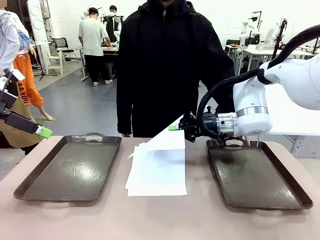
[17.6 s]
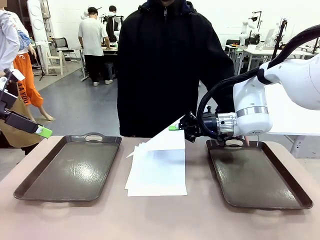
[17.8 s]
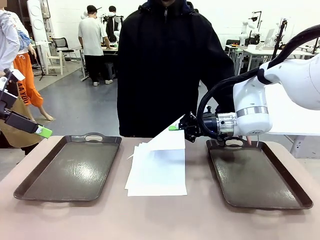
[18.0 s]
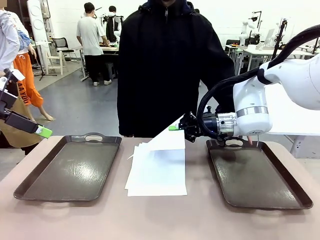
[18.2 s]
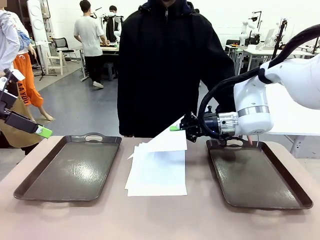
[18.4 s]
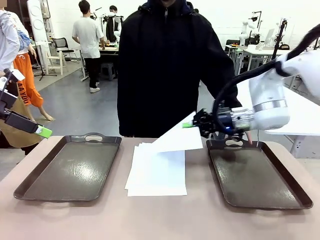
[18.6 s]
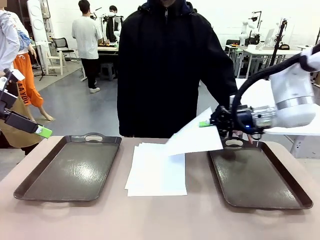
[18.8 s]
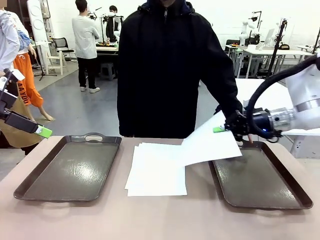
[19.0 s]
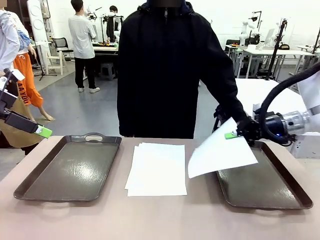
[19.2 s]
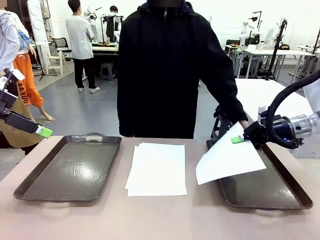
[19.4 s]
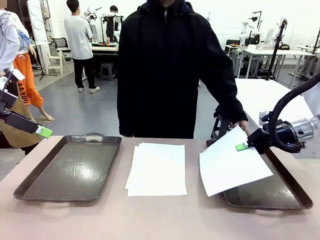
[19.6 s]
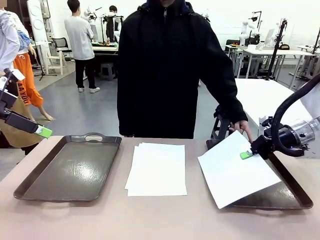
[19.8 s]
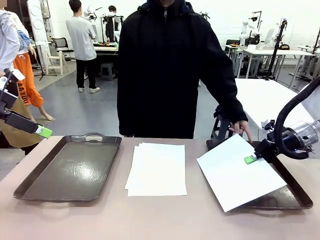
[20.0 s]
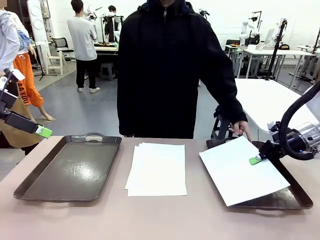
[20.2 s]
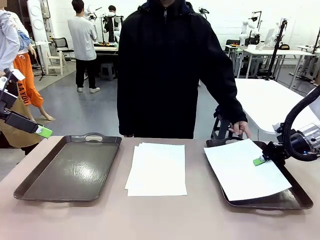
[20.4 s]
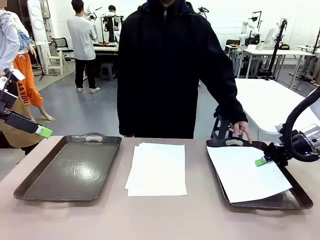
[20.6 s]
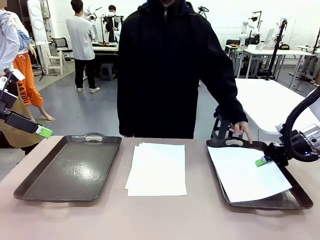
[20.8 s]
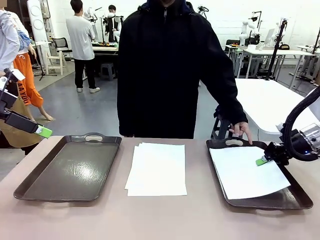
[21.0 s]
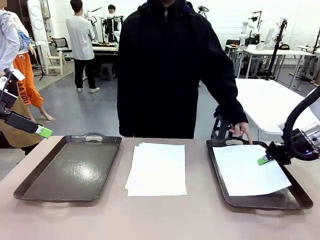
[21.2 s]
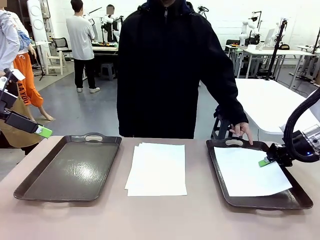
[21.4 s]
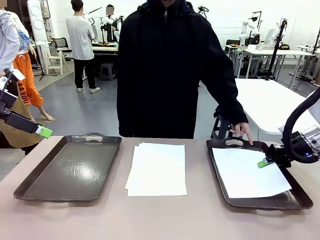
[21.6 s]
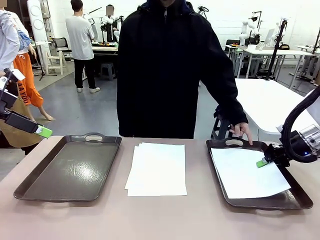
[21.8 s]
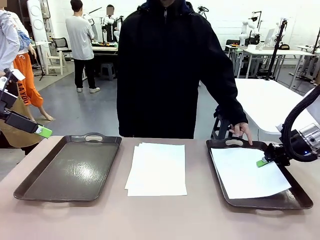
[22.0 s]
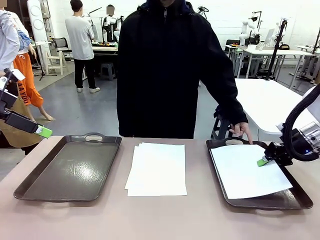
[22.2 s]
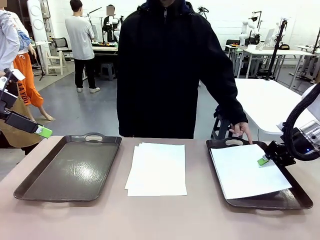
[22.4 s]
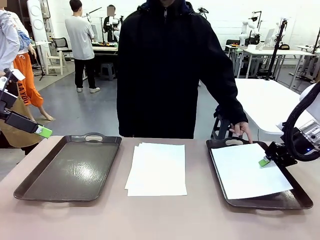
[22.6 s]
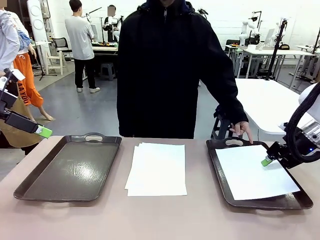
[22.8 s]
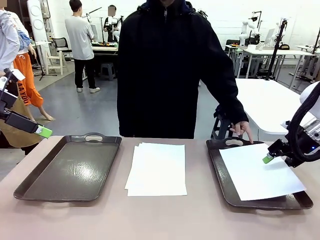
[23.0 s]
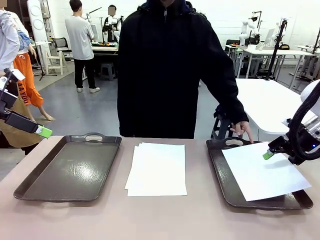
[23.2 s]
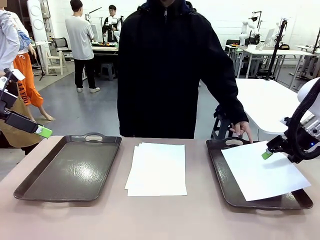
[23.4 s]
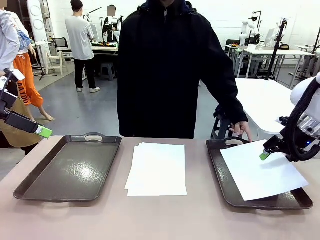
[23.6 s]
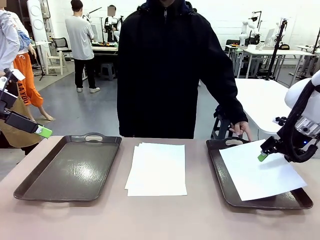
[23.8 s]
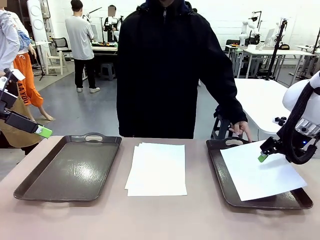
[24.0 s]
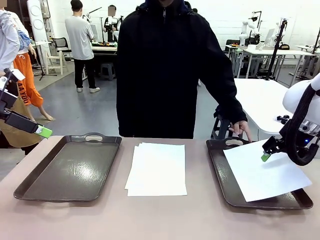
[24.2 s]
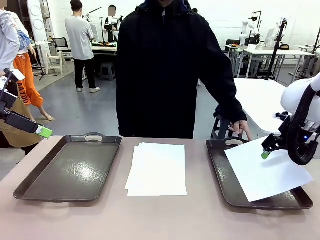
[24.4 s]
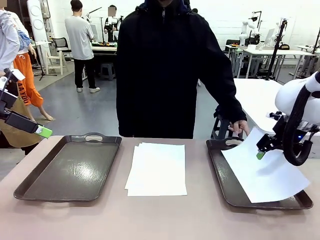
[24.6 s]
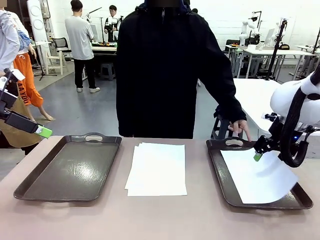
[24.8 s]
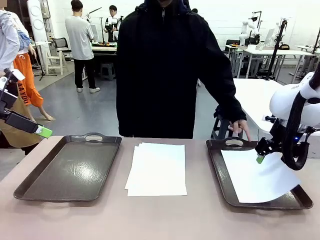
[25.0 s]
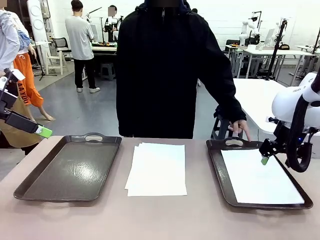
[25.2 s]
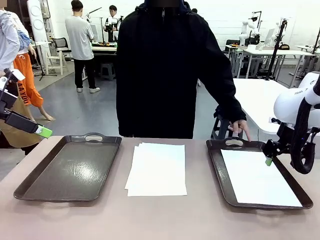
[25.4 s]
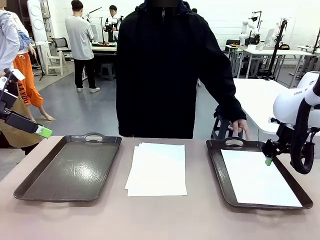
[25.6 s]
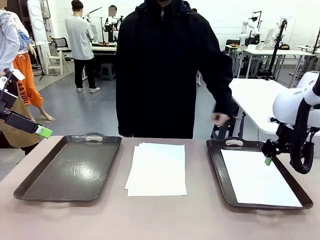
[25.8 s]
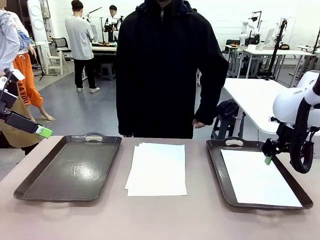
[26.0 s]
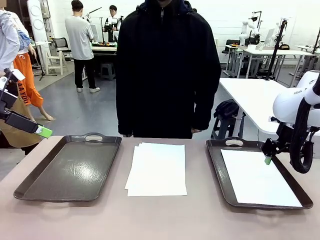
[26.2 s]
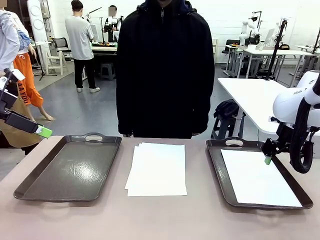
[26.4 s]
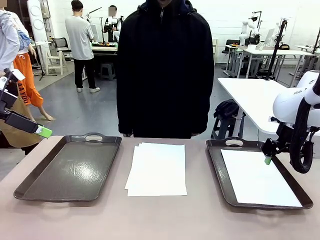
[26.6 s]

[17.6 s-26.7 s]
Task: Sort the A4 documents.
Robot: Place the A4 Paper in the designated Handle tray.

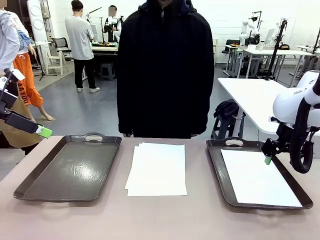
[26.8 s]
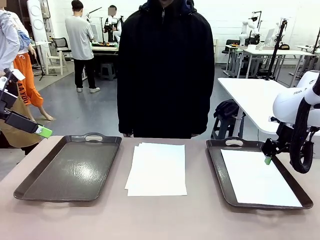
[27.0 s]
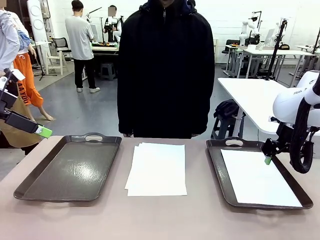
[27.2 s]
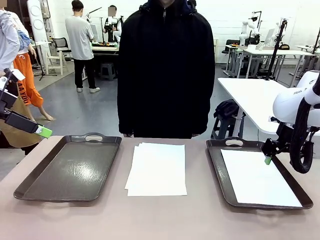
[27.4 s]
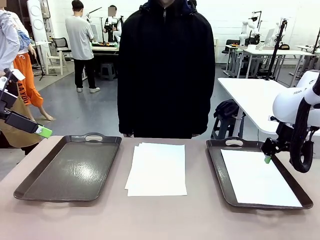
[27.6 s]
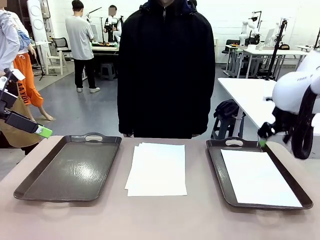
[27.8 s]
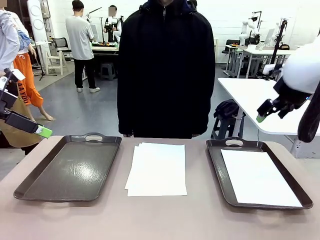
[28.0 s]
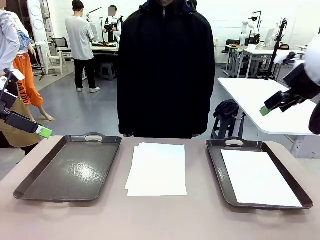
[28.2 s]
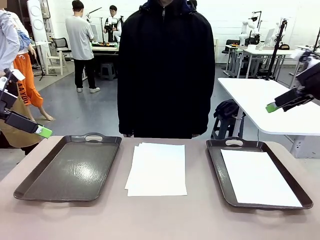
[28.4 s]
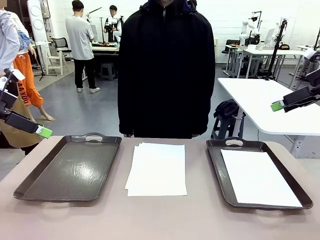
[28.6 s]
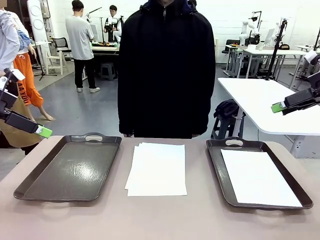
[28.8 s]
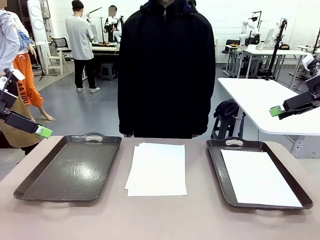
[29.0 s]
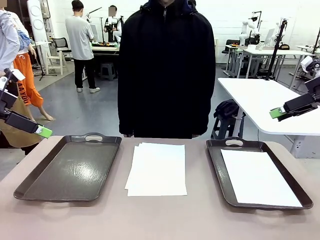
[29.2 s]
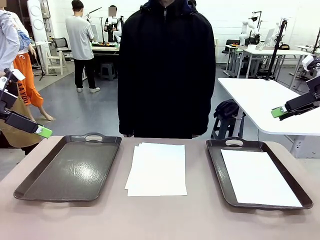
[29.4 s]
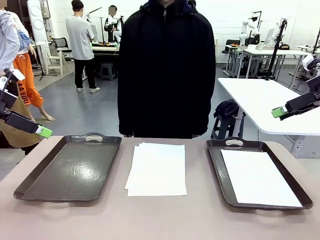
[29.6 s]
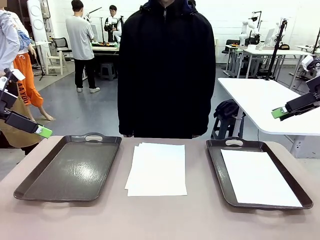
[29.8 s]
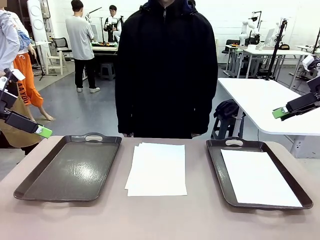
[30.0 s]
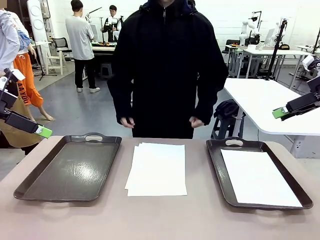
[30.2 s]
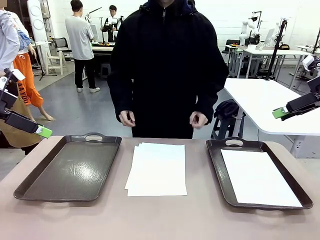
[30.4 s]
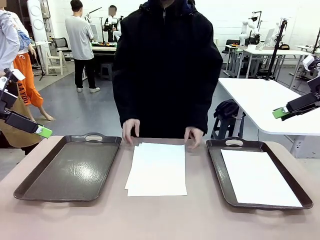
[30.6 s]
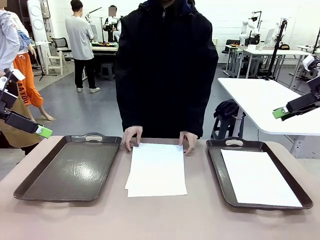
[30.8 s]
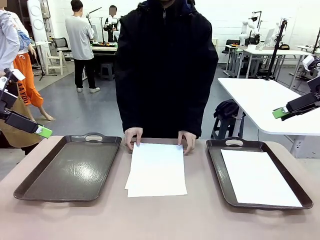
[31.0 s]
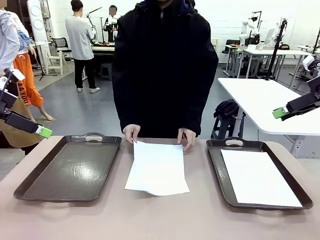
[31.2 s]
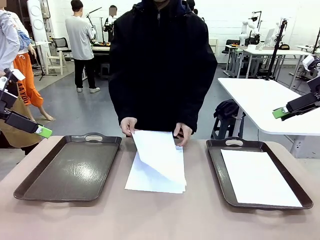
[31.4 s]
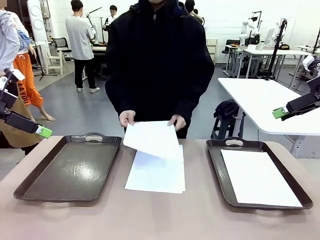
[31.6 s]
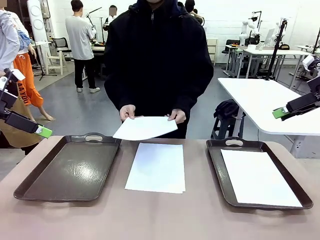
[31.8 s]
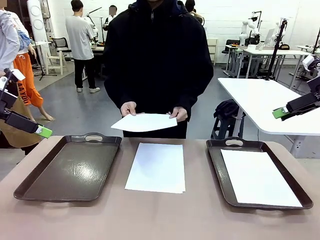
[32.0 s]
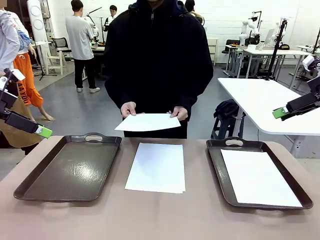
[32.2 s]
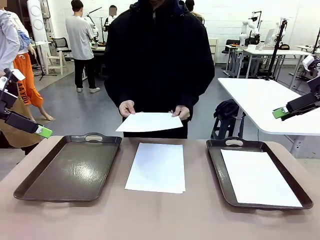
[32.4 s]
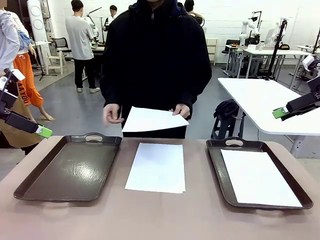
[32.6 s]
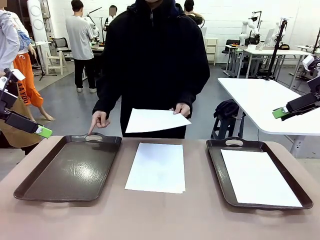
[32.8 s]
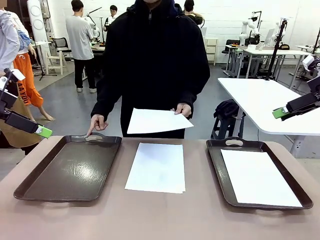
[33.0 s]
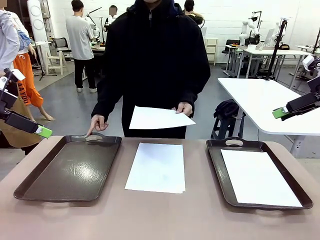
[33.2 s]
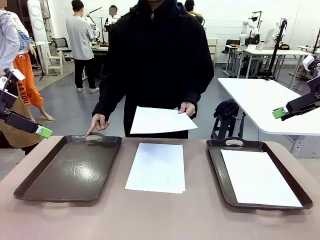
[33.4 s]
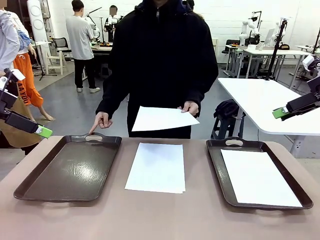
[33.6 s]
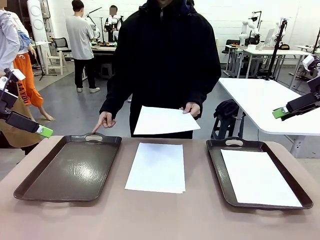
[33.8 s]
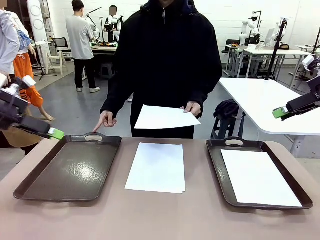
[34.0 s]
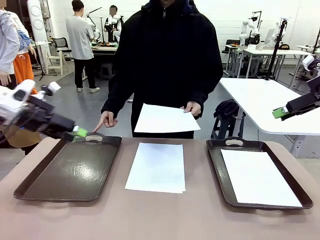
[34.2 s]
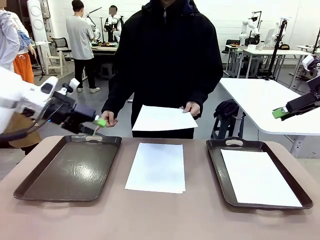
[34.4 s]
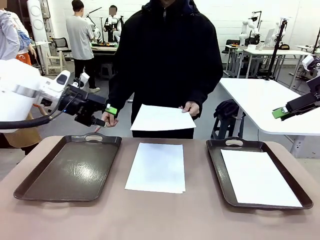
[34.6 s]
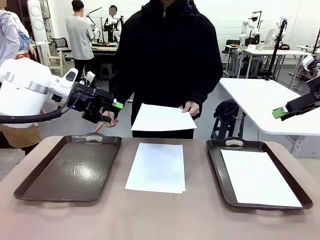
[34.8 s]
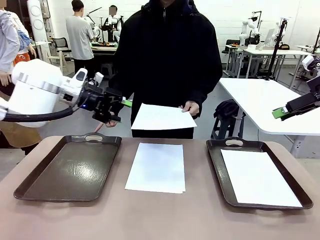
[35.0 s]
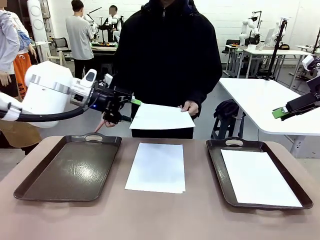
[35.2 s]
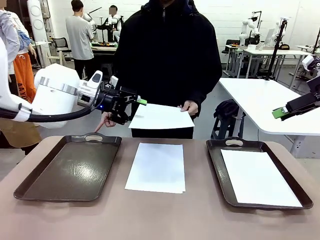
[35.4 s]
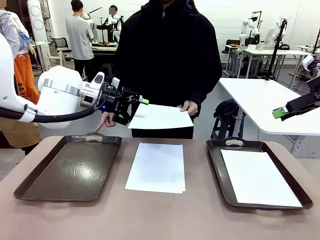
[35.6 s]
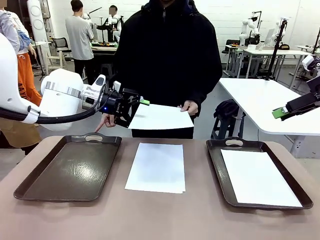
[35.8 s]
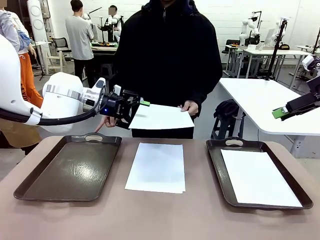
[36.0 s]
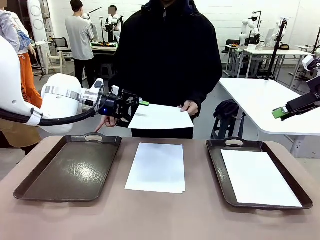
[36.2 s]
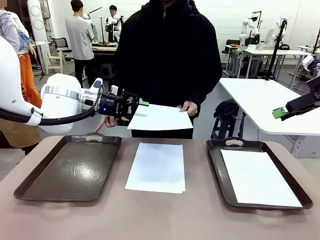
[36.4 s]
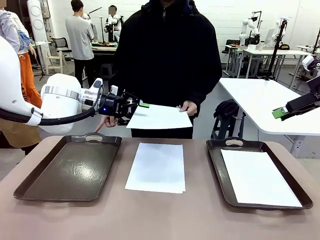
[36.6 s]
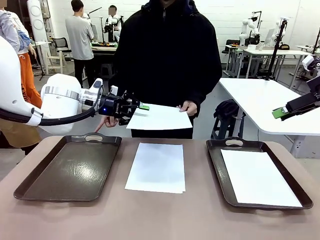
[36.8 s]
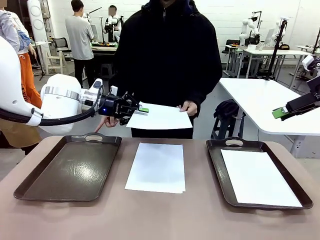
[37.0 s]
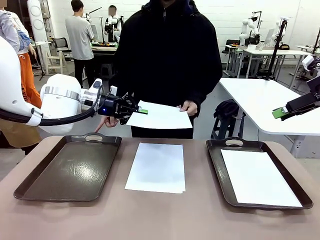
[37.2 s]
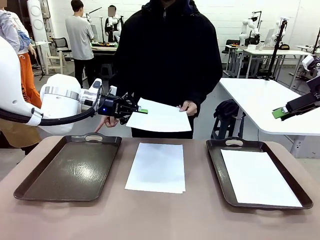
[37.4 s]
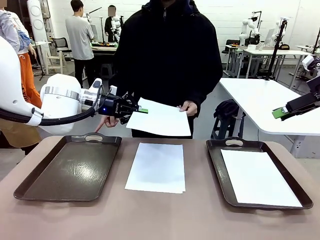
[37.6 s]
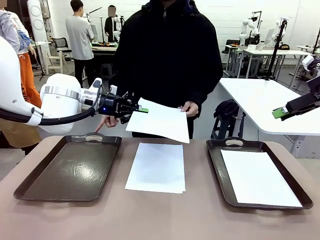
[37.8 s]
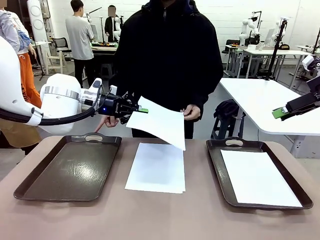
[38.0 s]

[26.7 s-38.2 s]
Robot: Receive the A4 Paper.
Person: Point the randomly selected tray with the other hand.
